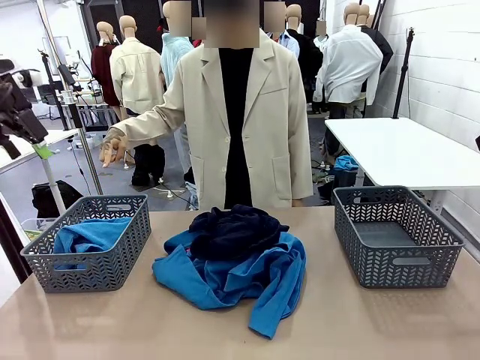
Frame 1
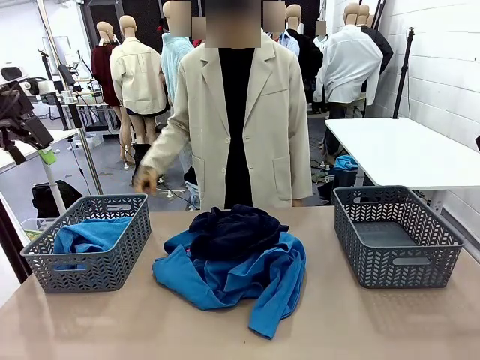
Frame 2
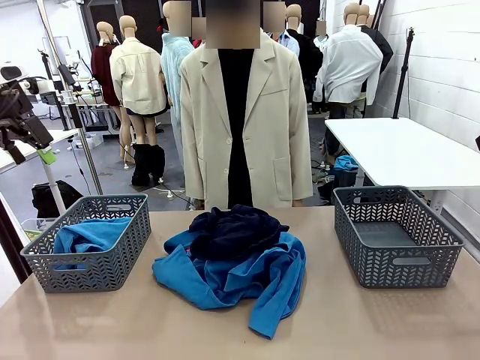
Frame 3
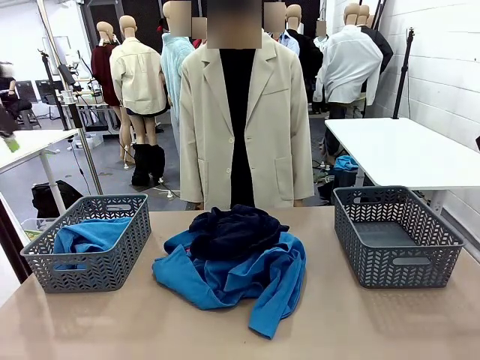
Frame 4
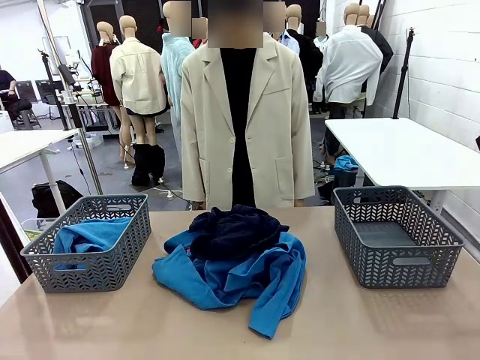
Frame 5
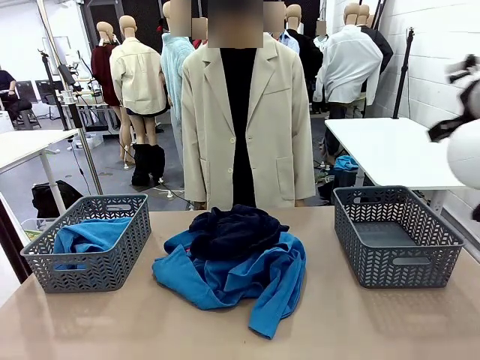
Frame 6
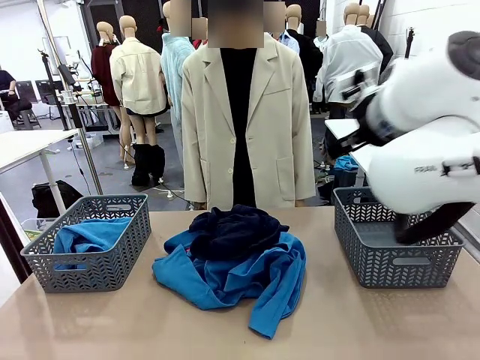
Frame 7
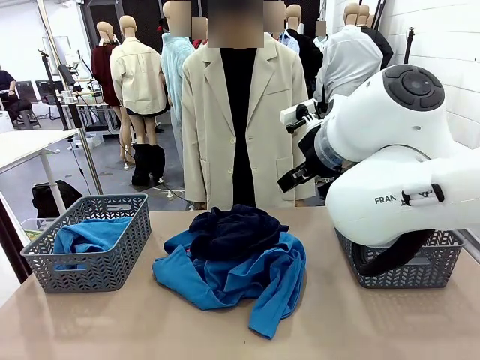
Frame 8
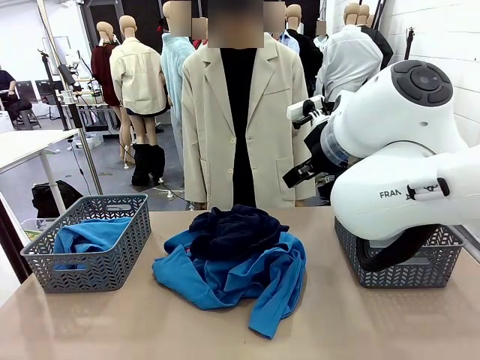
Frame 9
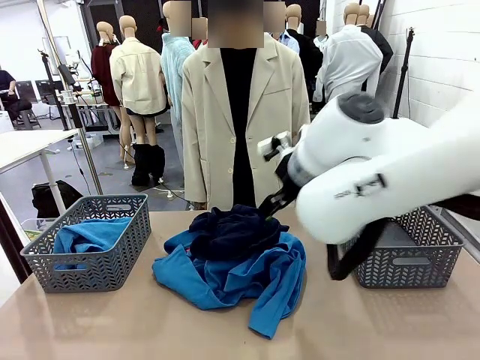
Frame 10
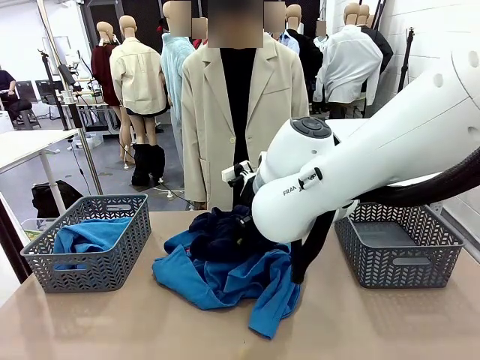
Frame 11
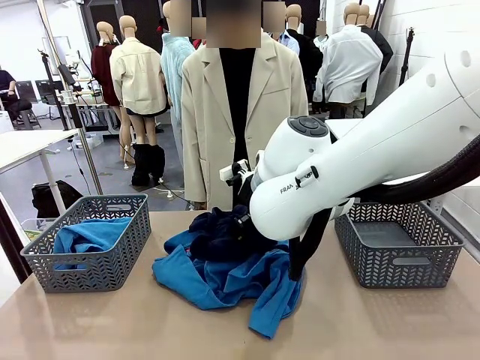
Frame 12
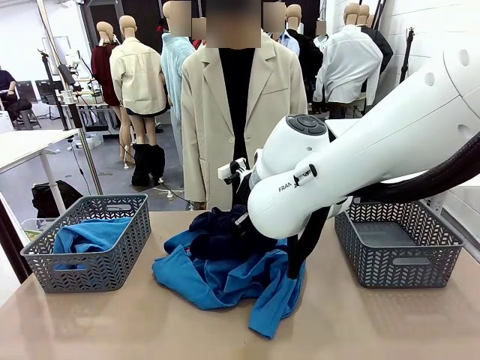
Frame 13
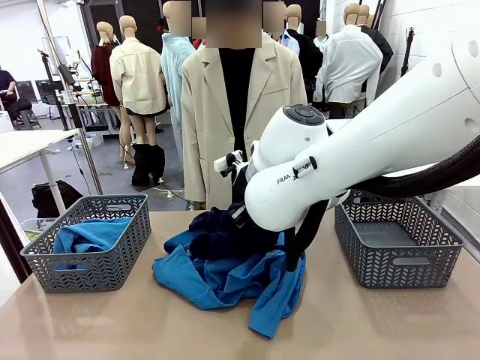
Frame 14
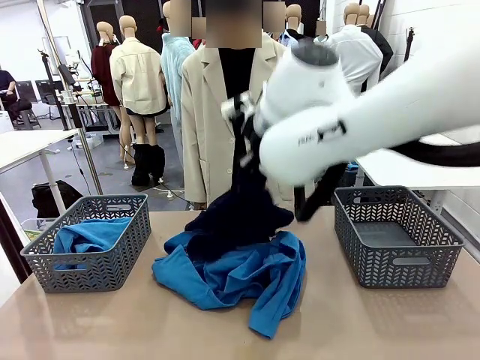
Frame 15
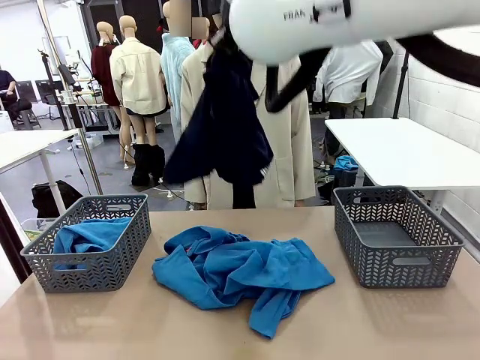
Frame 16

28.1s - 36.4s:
Task: Sort the tops and bottoms.
Robot: Lift clothes from the center of the table with your right hand.

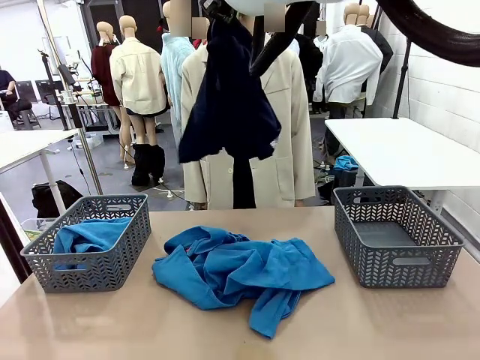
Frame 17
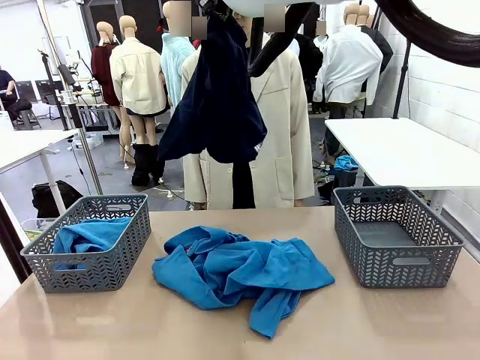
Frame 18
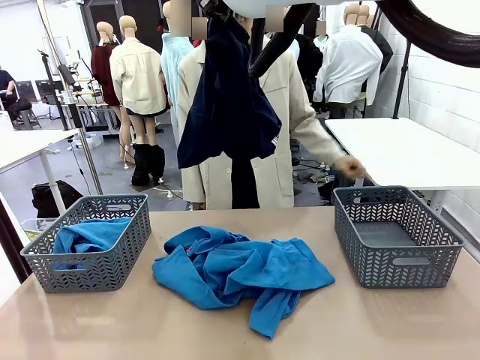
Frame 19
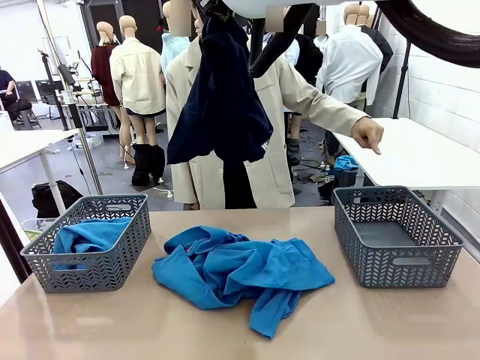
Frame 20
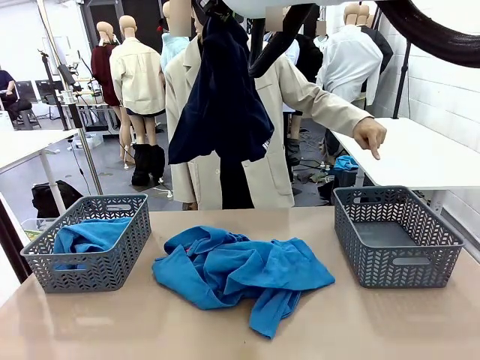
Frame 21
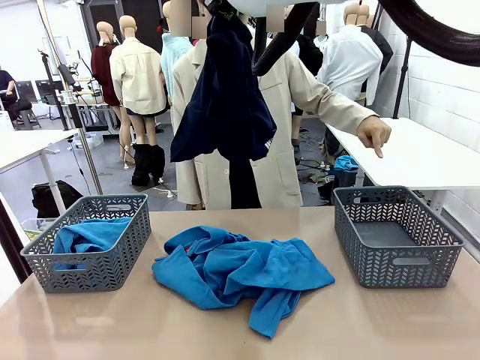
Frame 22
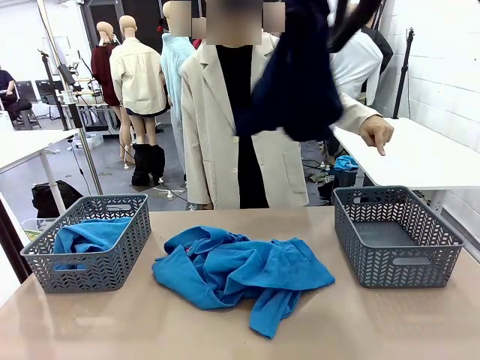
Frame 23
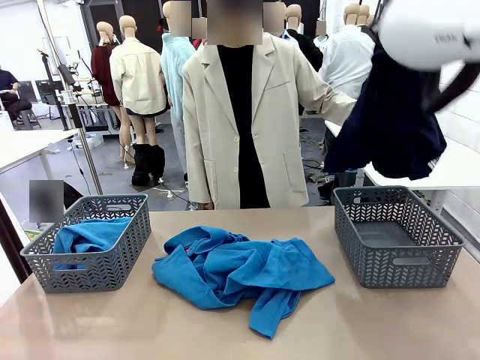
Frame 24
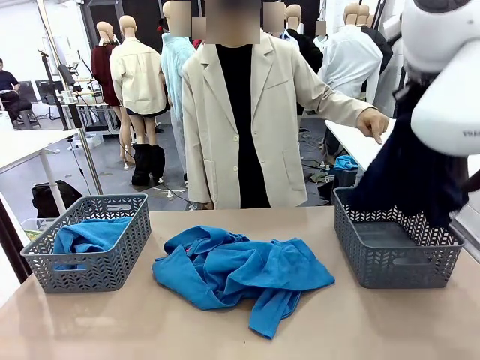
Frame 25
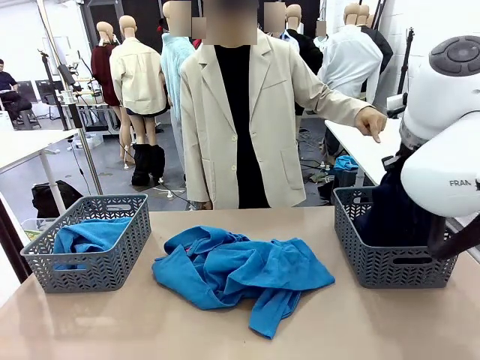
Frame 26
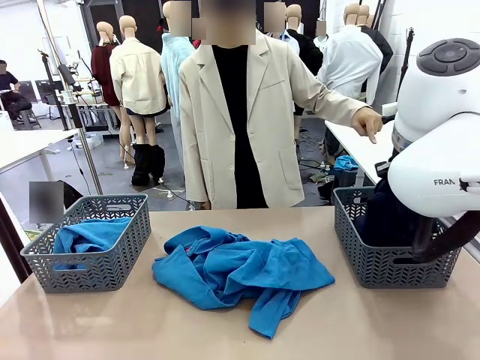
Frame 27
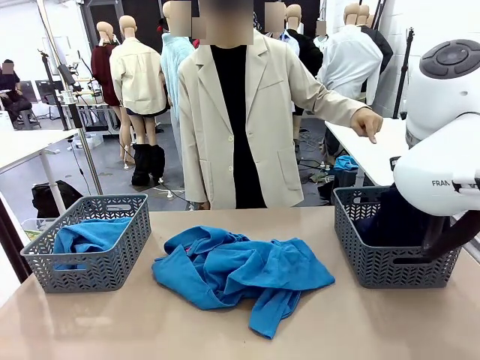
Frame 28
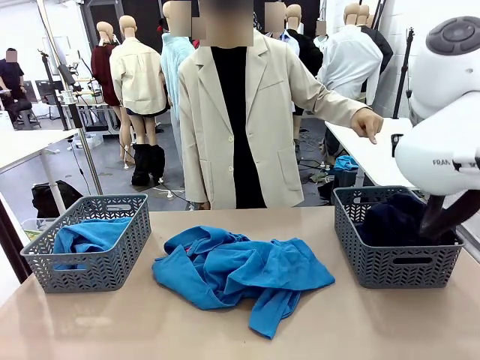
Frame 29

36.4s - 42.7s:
Robot: Sort the clothes according to human instructions.

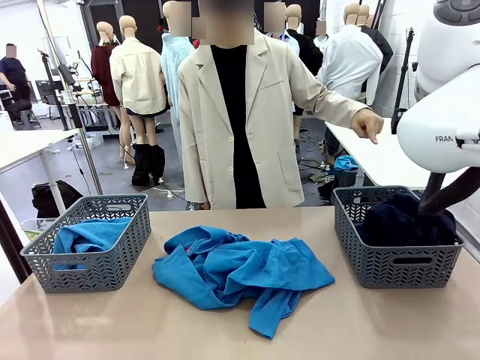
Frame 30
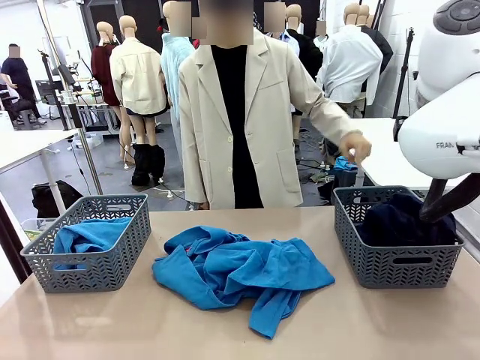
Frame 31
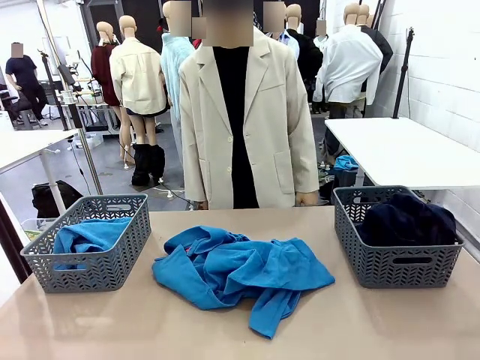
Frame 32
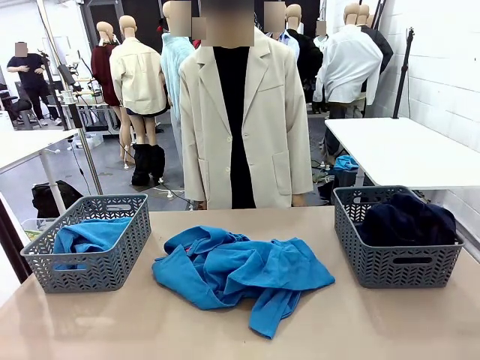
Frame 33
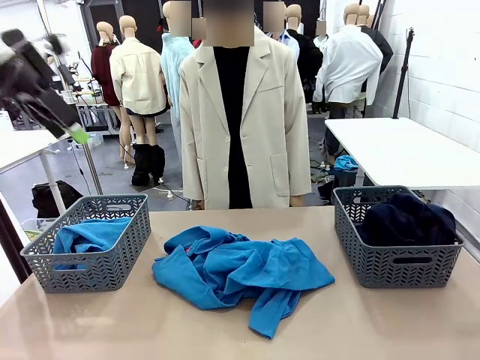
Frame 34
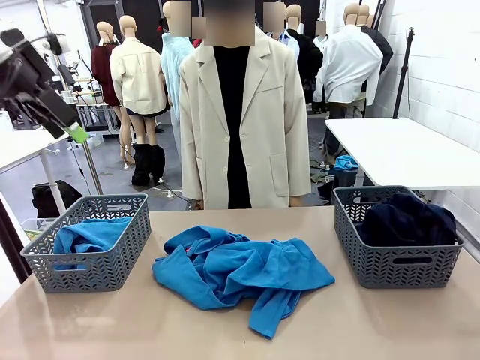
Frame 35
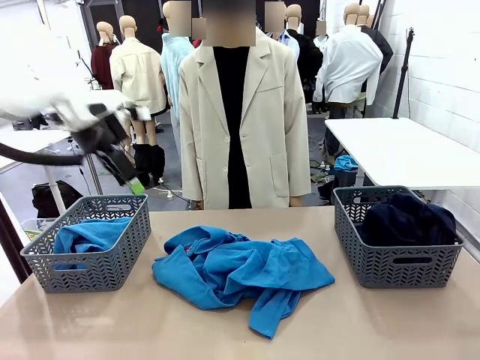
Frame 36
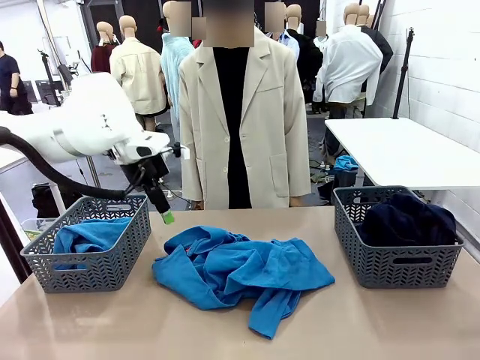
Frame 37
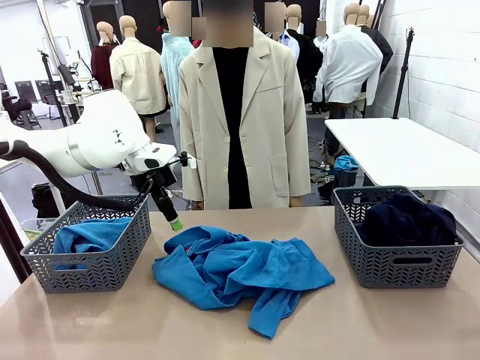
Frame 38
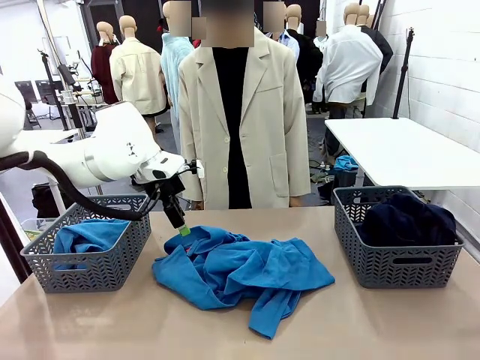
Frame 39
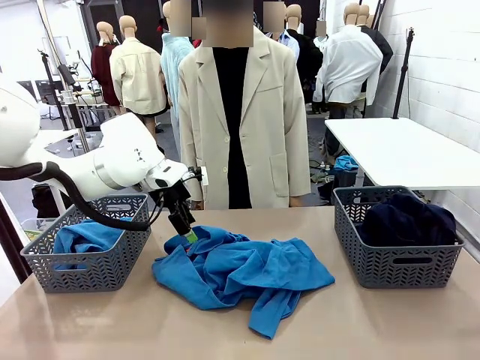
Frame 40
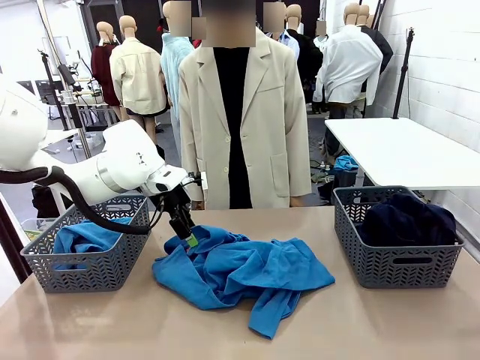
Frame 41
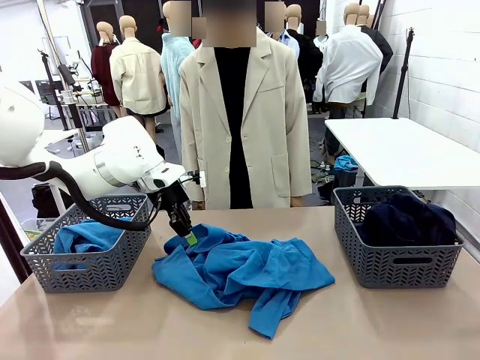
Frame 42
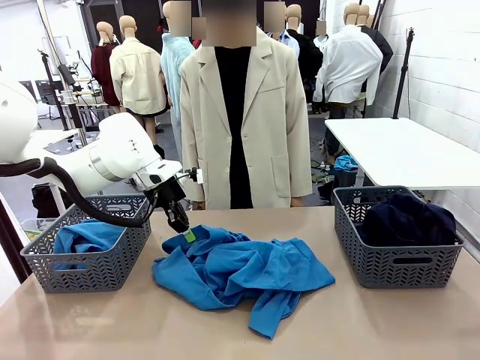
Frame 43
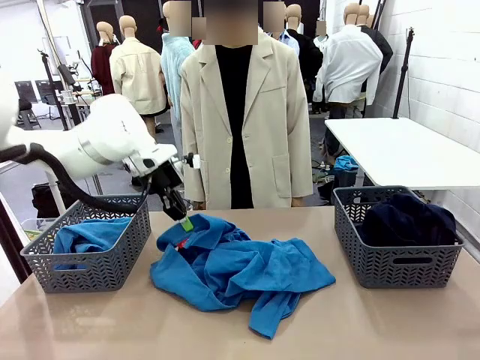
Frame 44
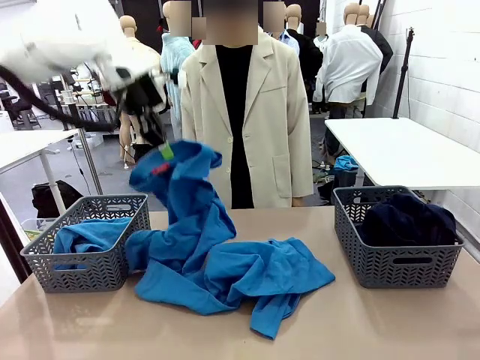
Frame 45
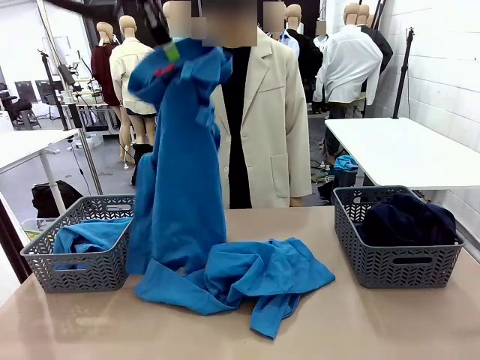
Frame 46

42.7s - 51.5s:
Robot: Lift clothes from the center of the table with your left hand.

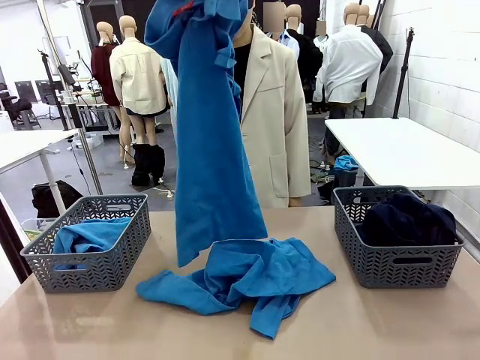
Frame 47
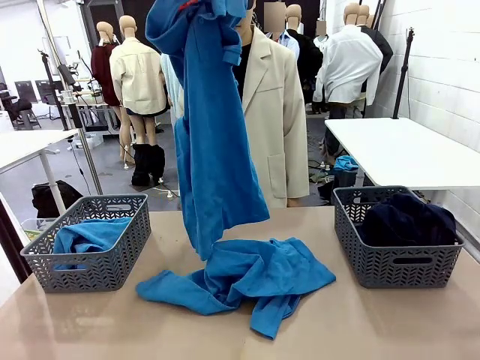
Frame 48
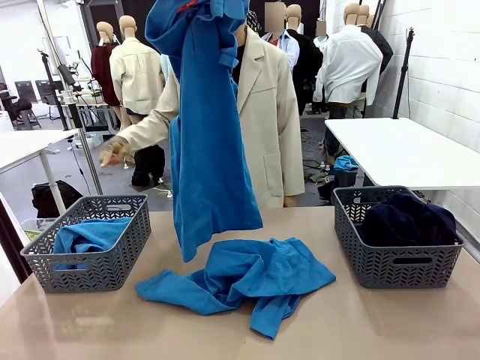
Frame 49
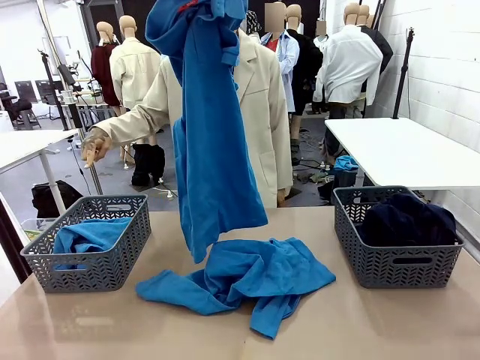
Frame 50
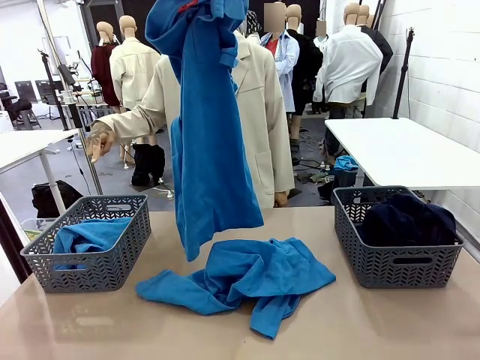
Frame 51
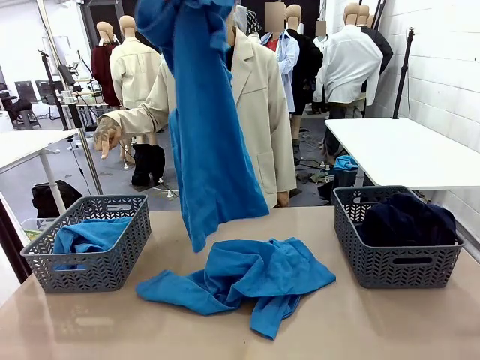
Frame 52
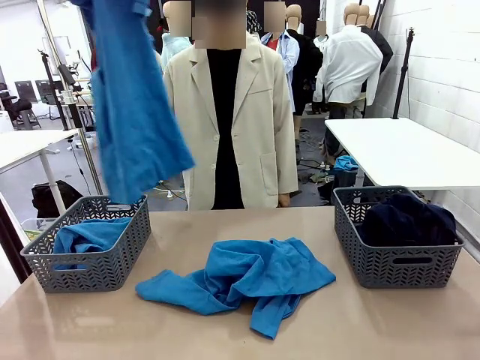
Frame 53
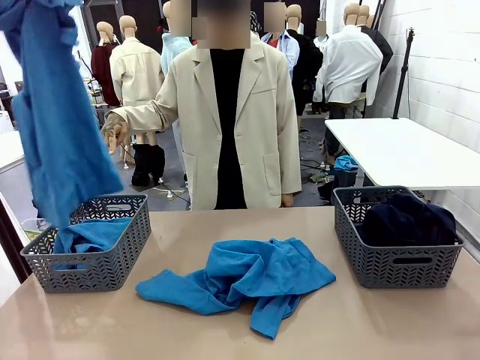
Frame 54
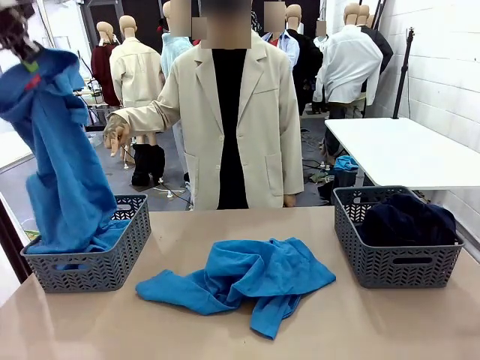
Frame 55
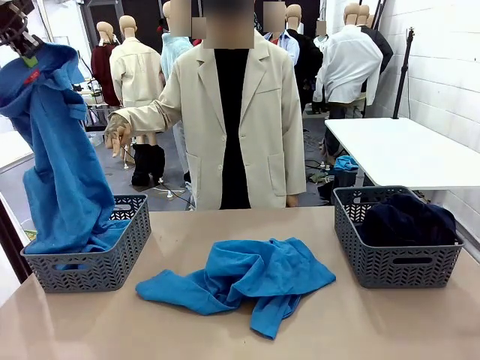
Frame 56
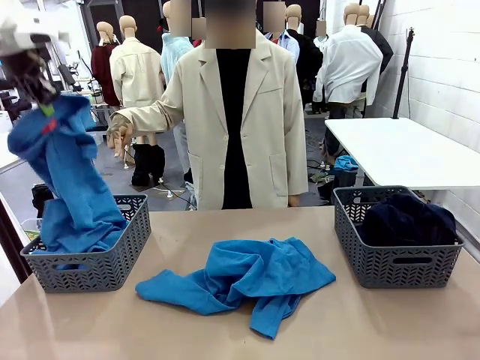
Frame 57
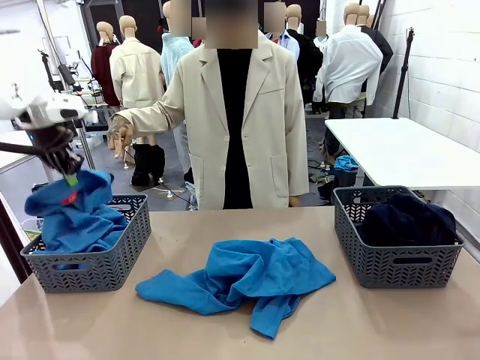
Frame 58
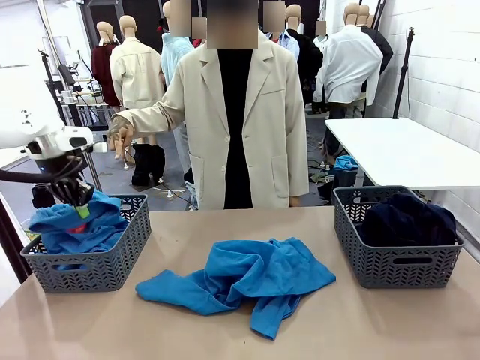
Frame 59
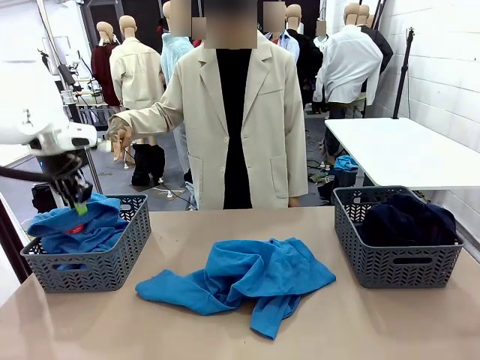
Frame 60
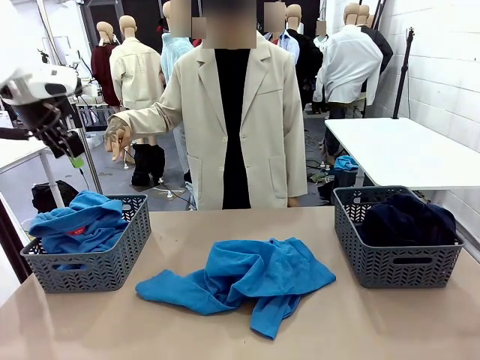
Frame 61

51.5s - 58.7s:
Robot: Sort the clothes according to human instructions.
